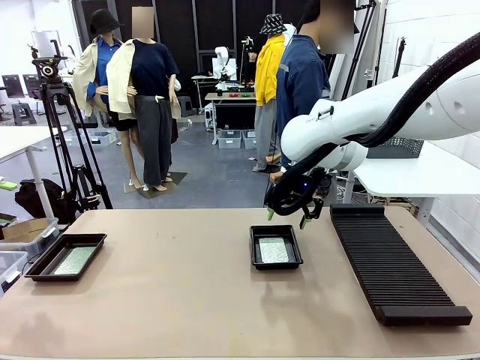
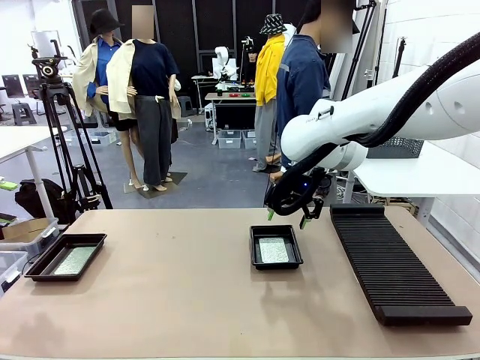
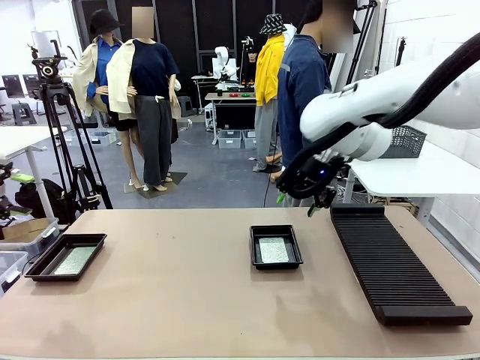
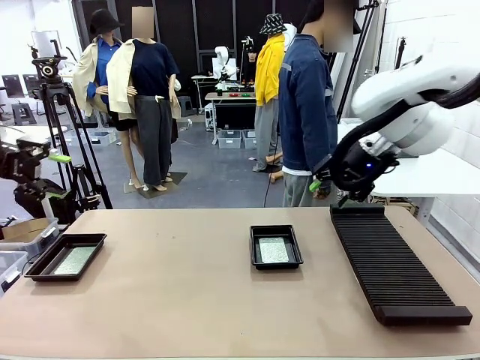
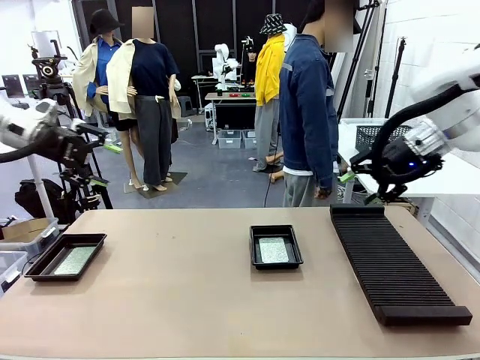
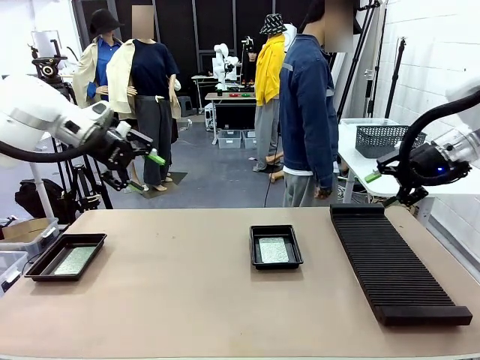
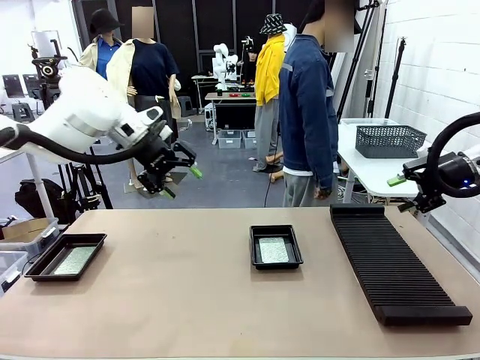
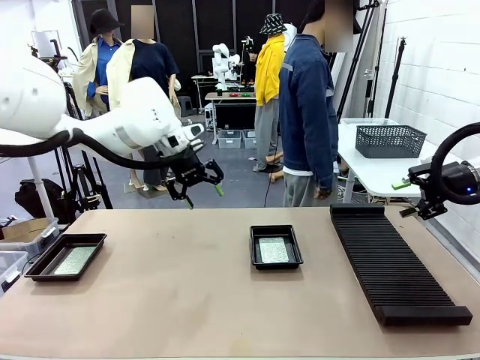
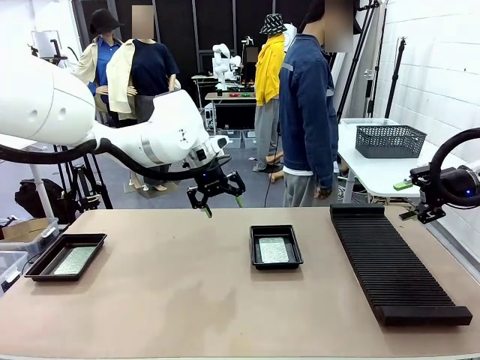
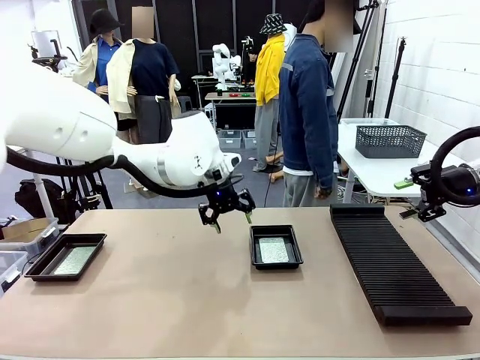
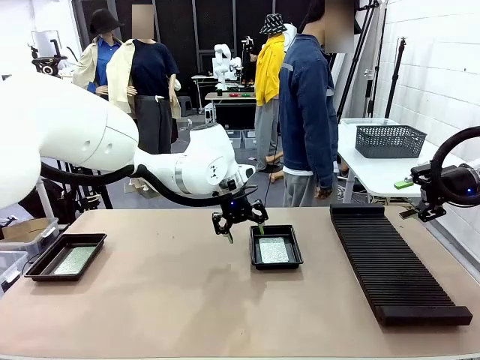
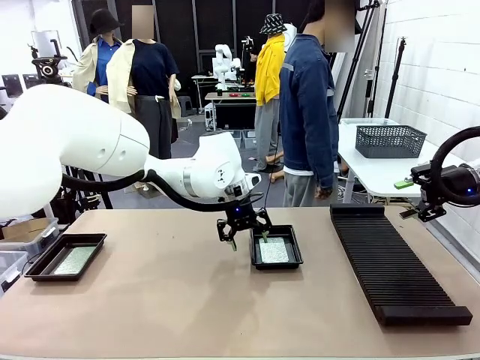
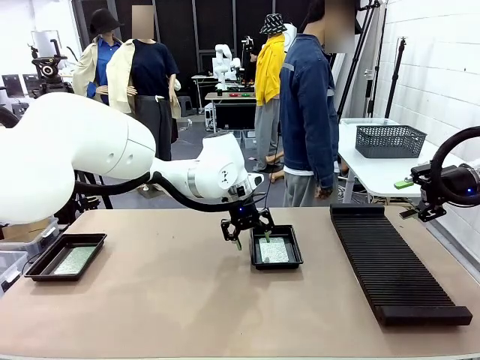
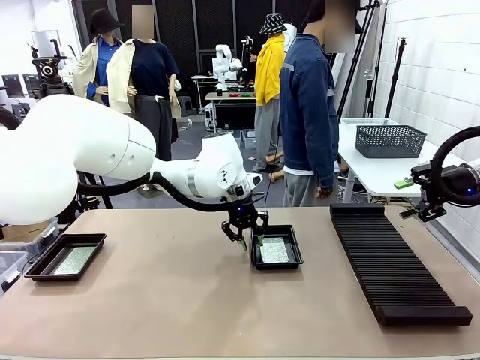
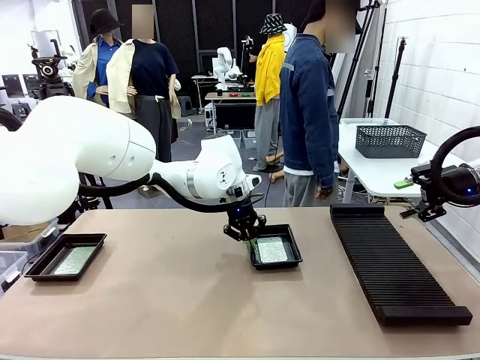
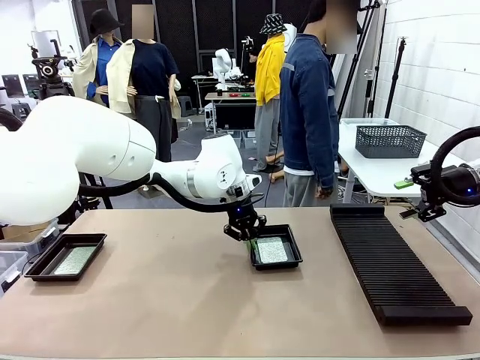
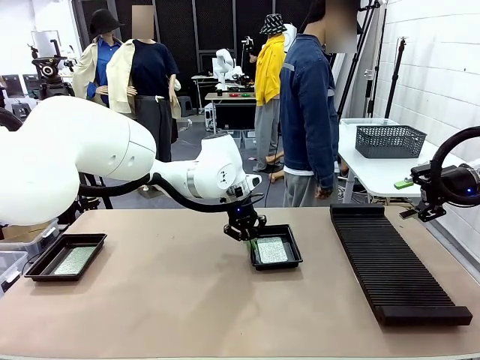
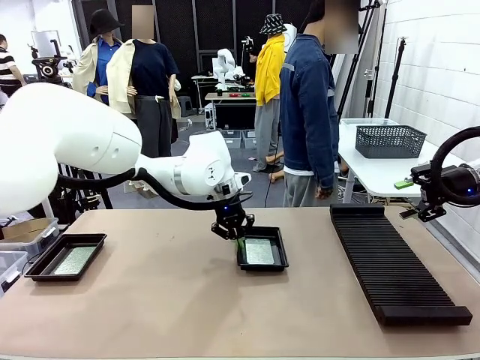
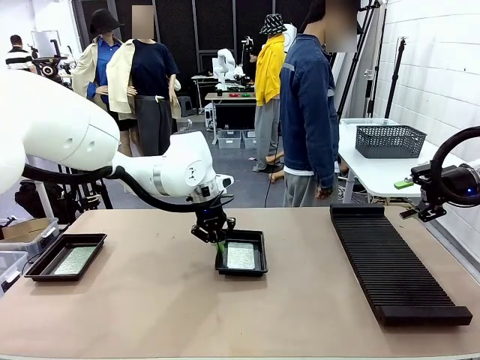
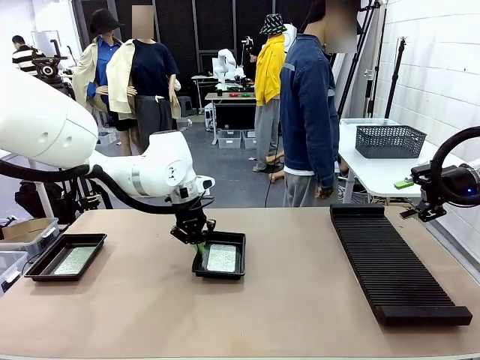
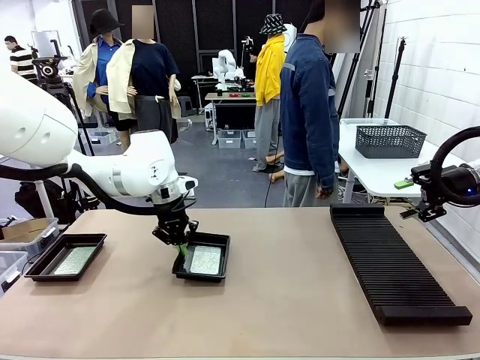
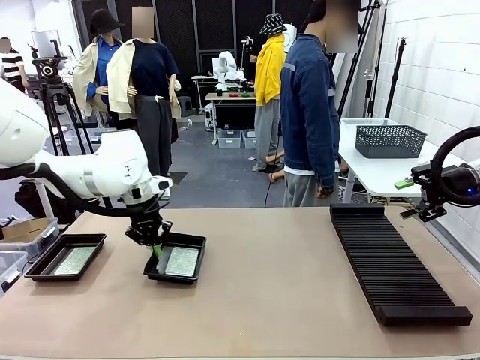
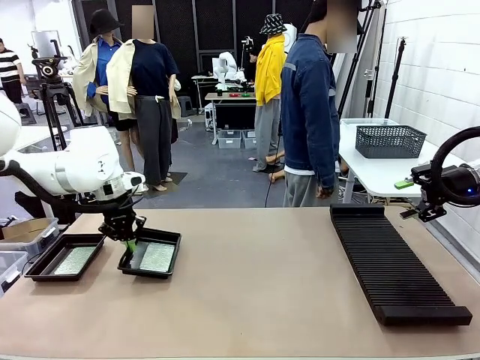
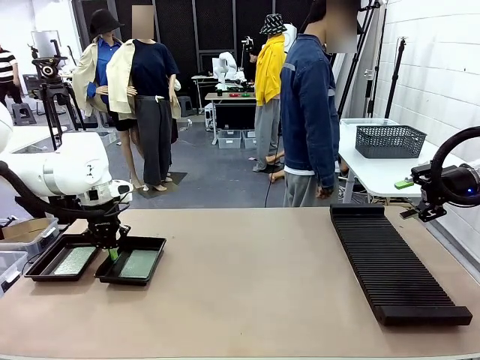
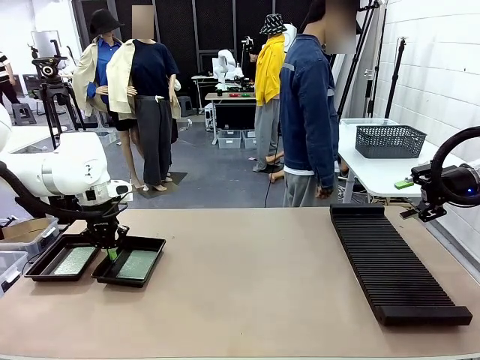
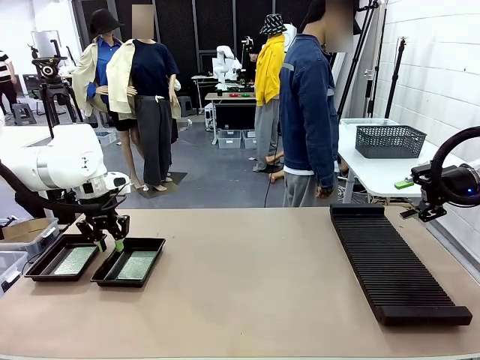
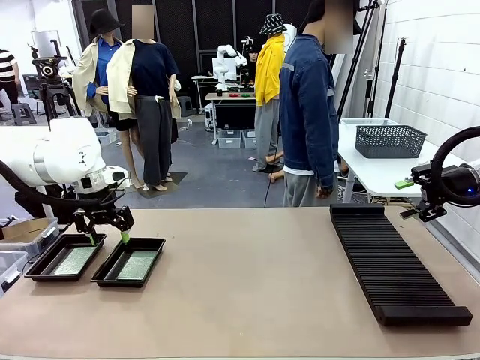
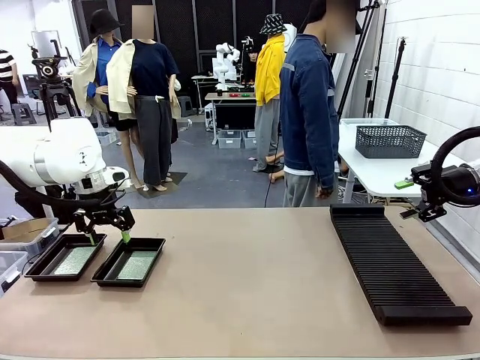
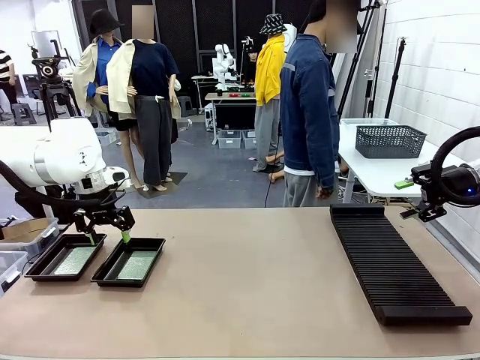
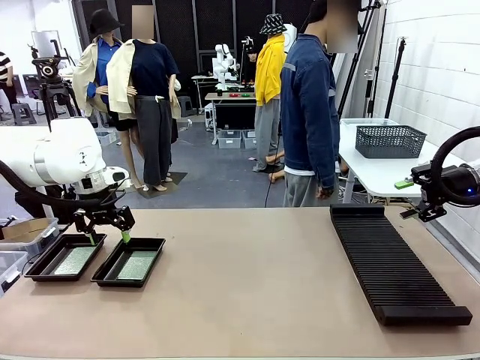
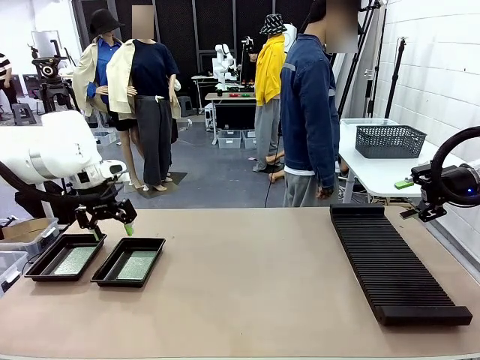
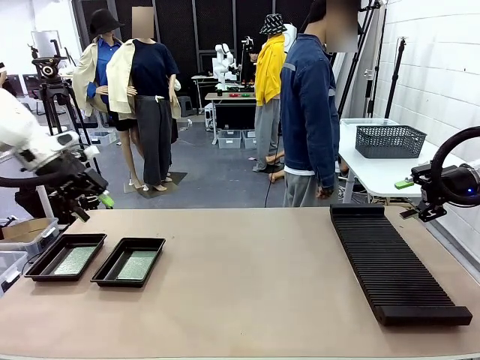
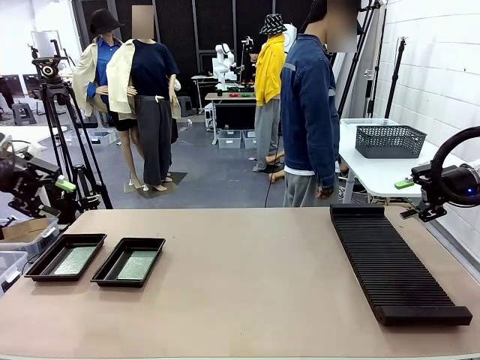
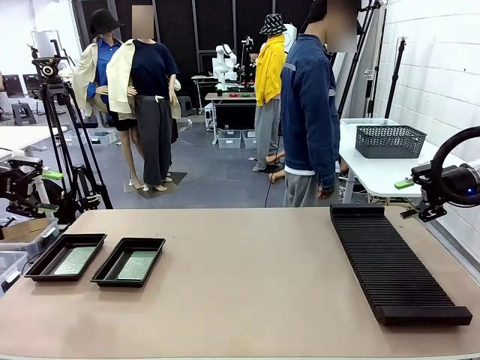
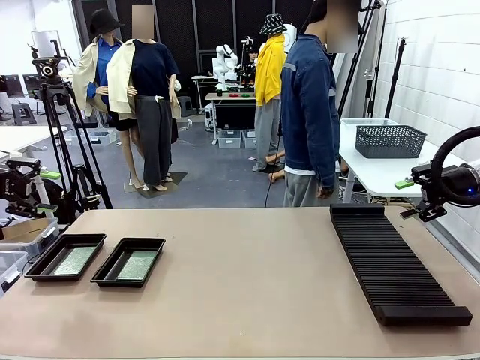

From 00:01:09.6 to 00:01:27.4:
Task: Inspect and transfer BCBs to ESD trays.
Robot: Pick up the ESD tray and place it on the left side of the table.

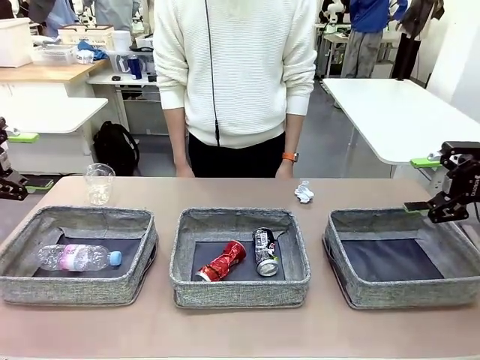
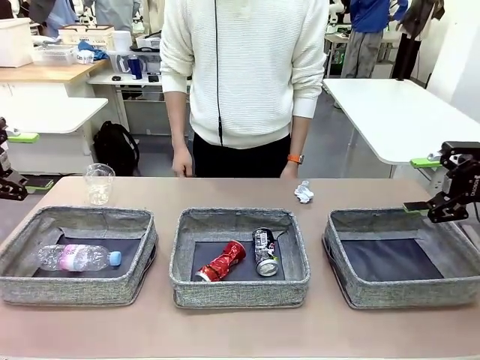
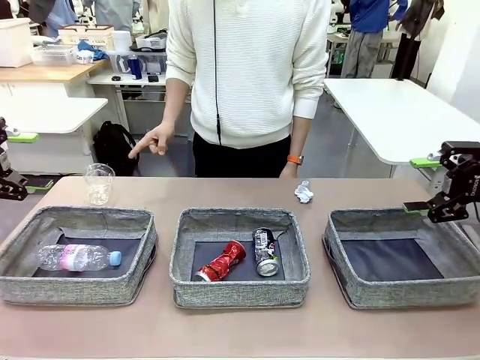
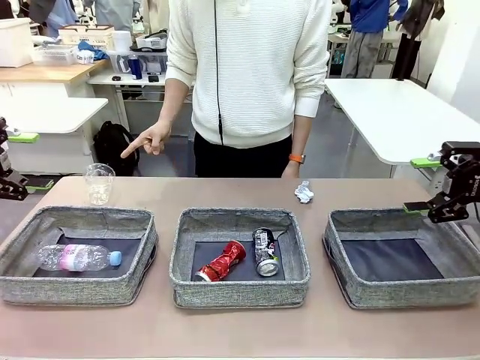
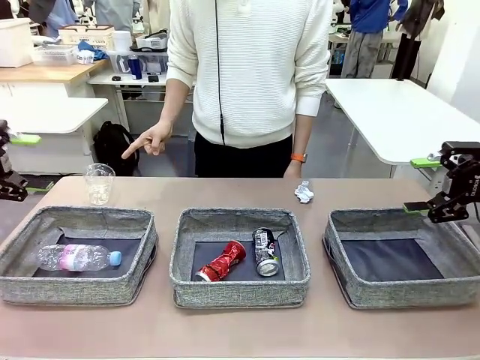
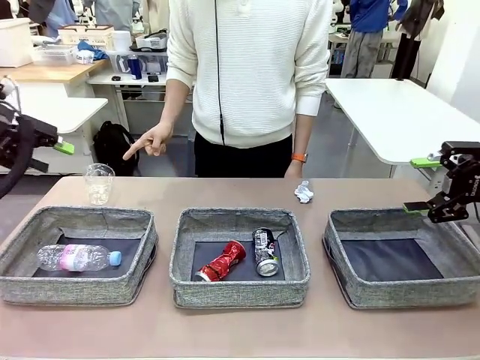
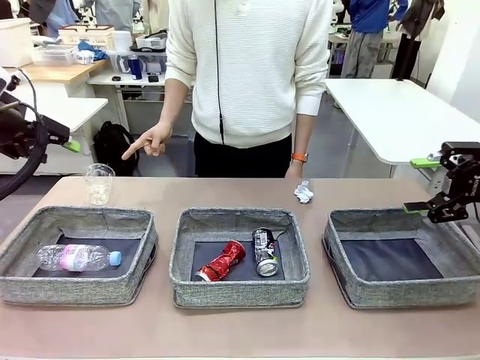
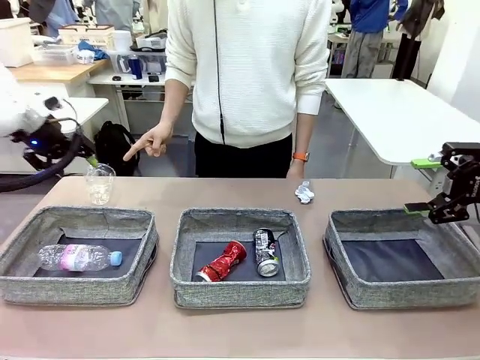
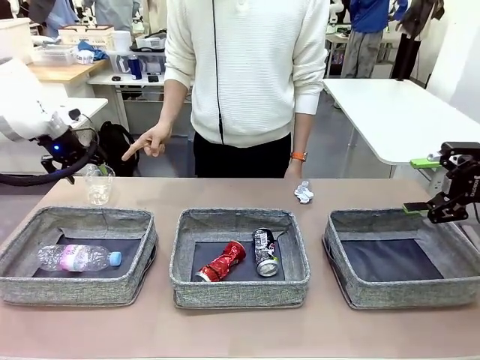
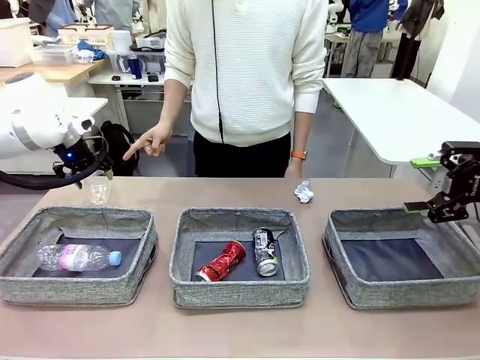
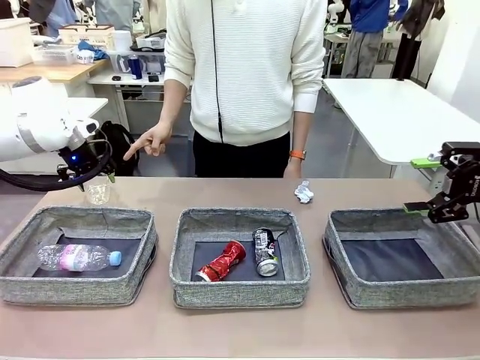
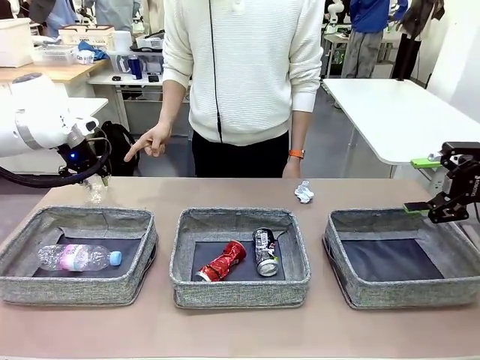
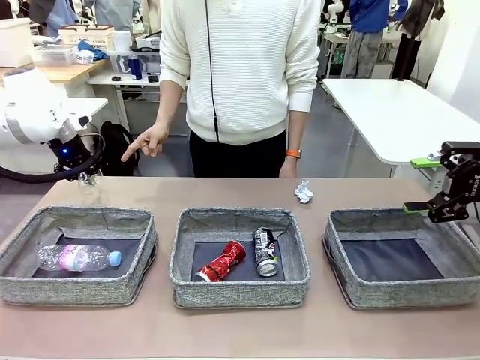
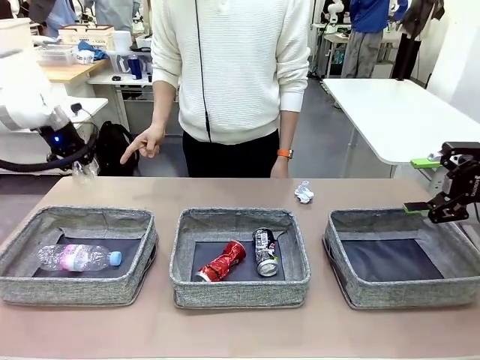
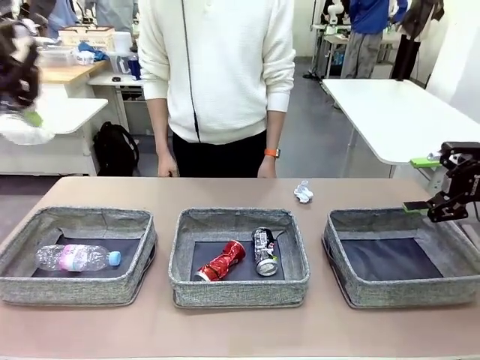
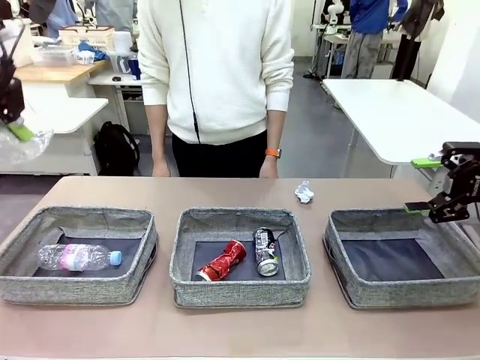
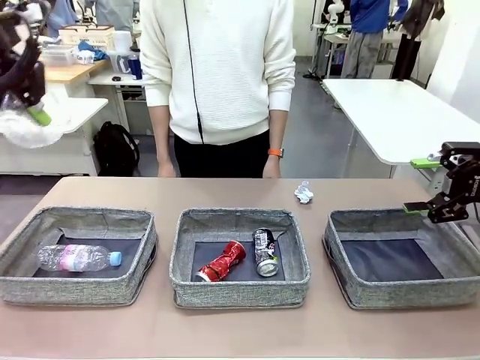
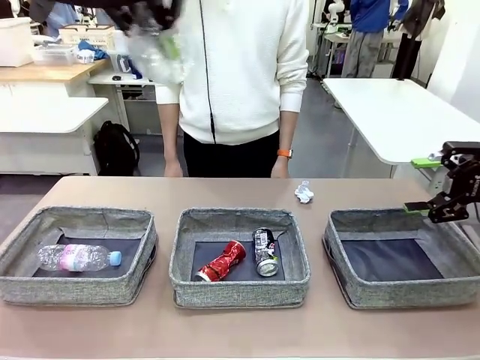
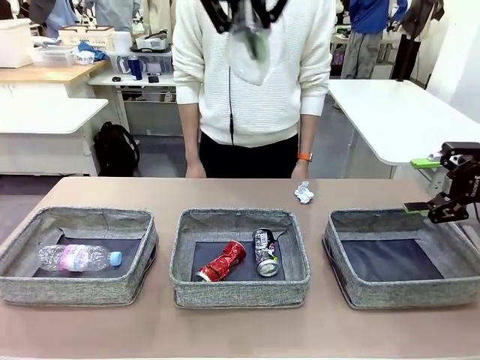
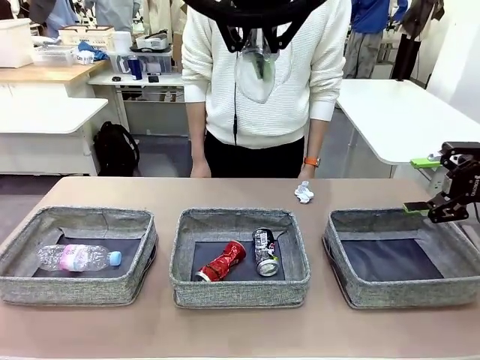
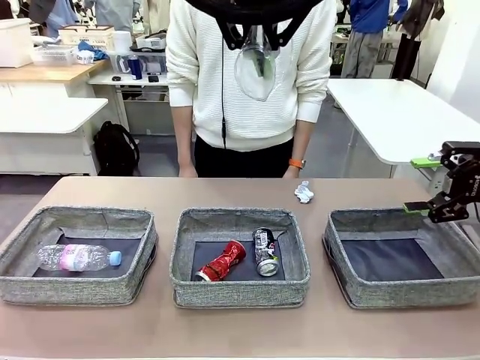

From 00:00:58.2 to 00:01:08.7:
Task: Sort the waste into the appropriate baskets.
Robot: Pick up the waste item pointed out by the person.
Person: Points to one piece of trash on the table.
